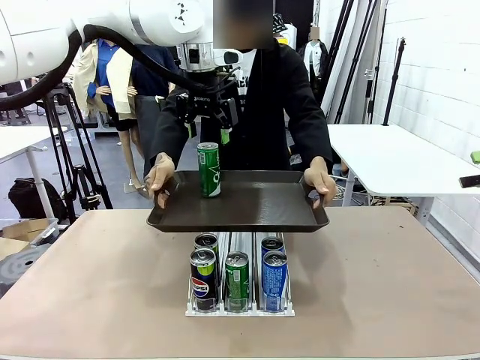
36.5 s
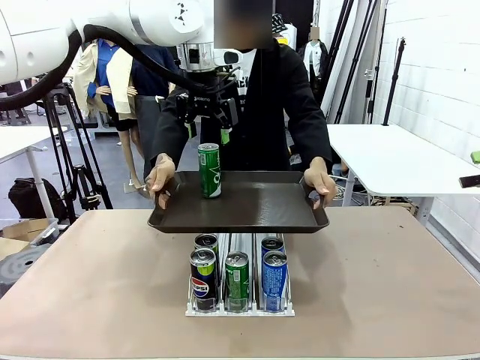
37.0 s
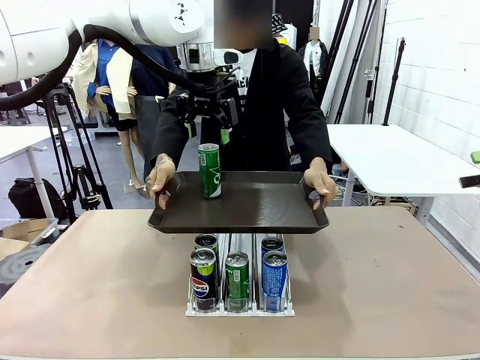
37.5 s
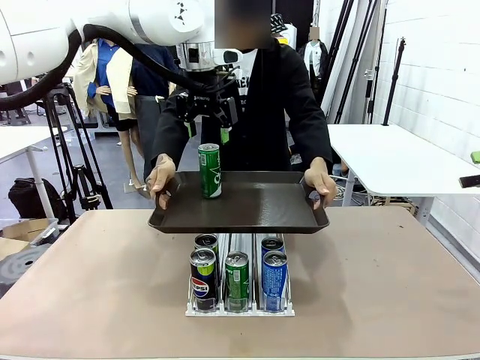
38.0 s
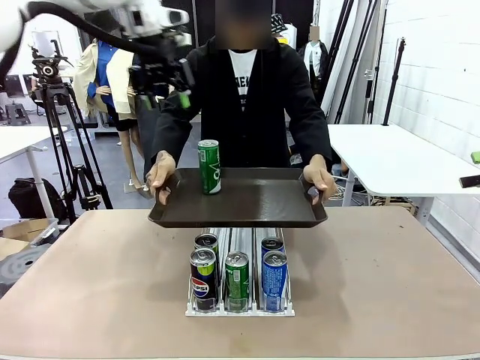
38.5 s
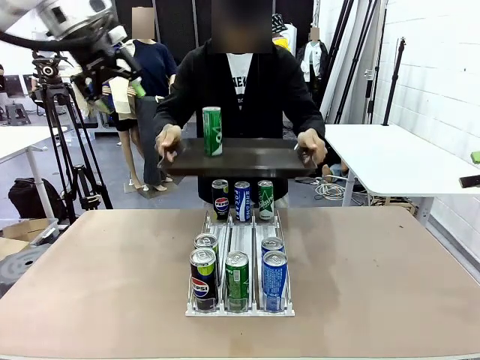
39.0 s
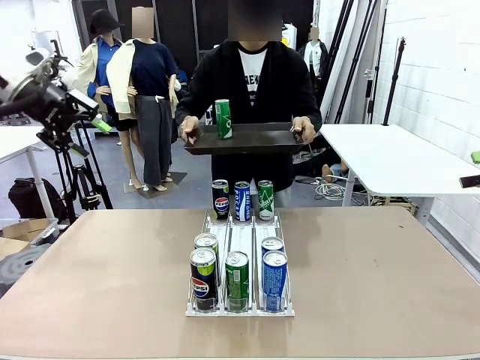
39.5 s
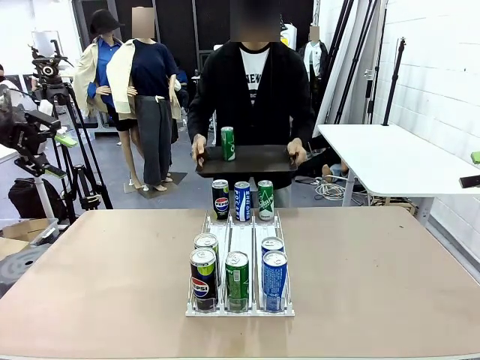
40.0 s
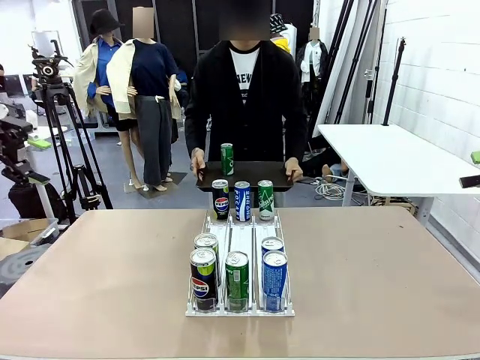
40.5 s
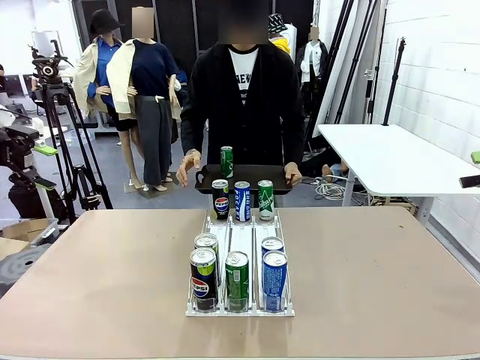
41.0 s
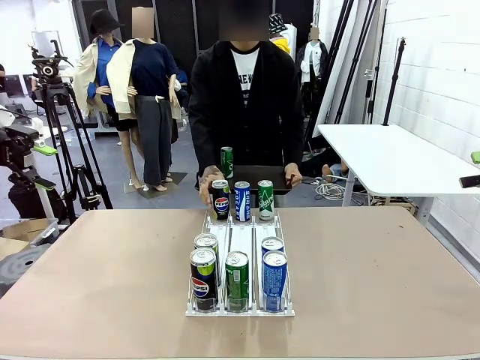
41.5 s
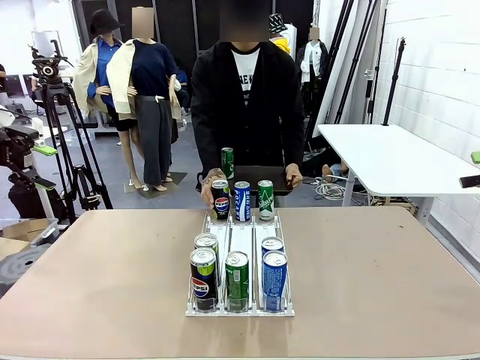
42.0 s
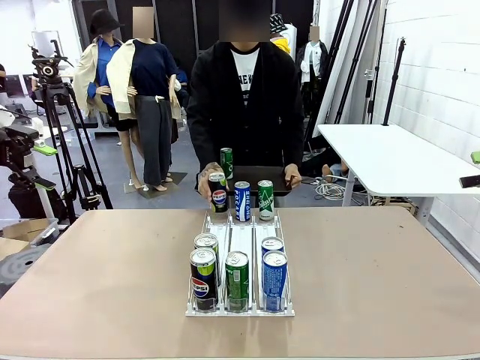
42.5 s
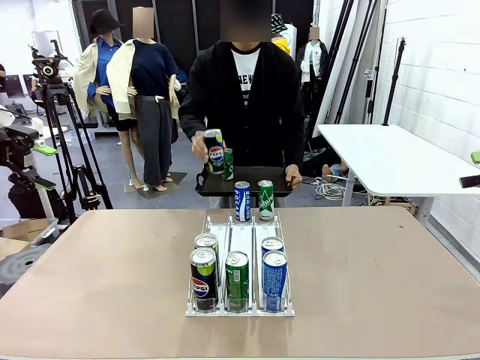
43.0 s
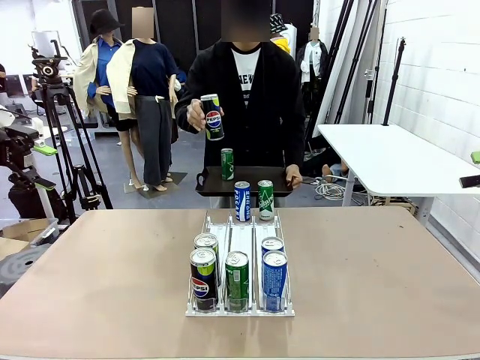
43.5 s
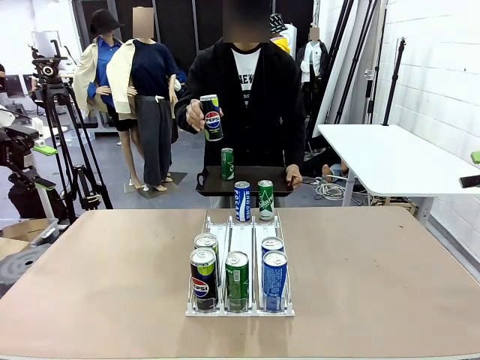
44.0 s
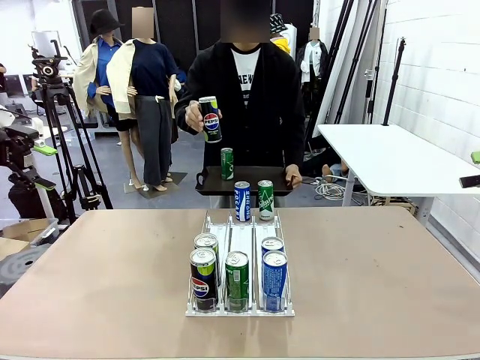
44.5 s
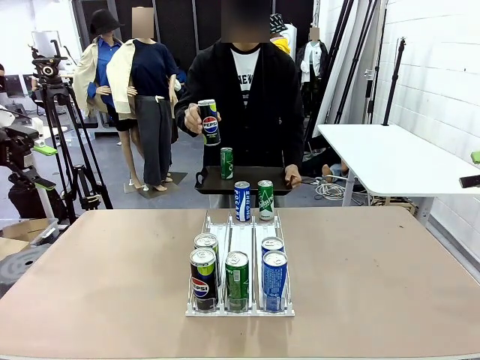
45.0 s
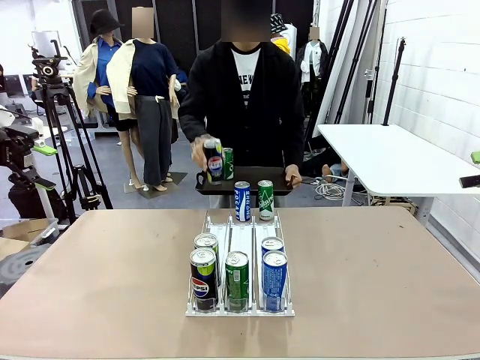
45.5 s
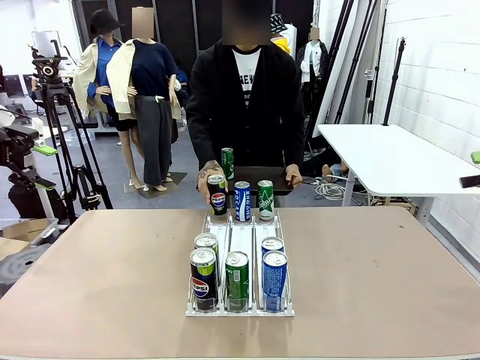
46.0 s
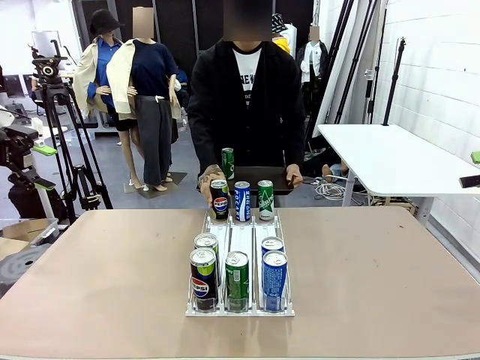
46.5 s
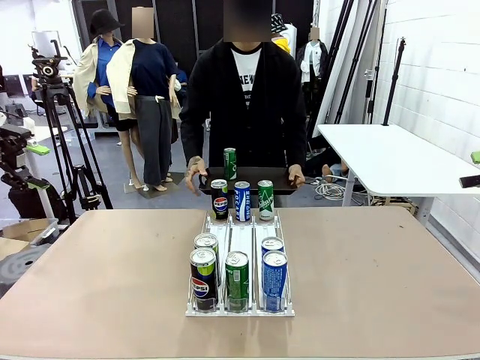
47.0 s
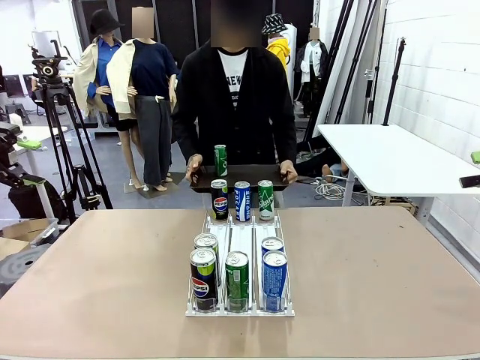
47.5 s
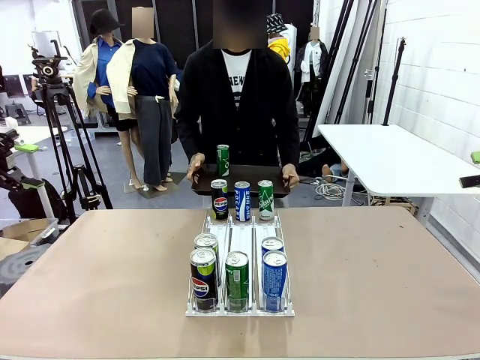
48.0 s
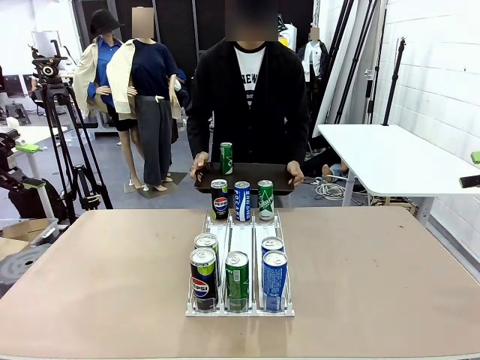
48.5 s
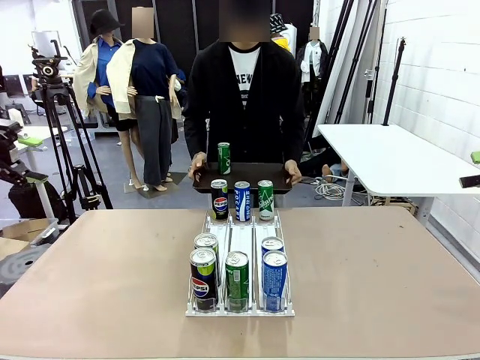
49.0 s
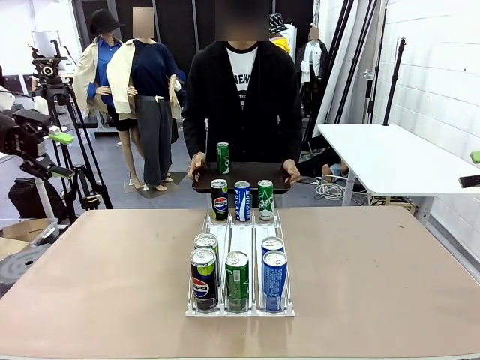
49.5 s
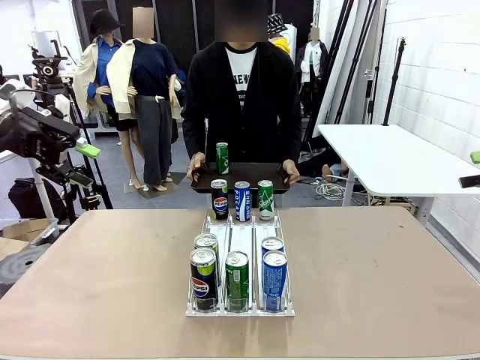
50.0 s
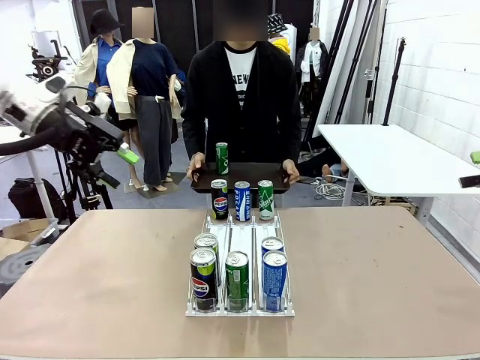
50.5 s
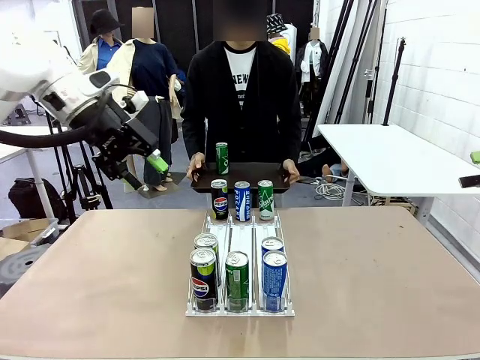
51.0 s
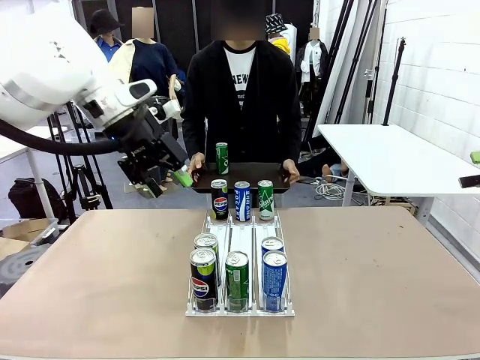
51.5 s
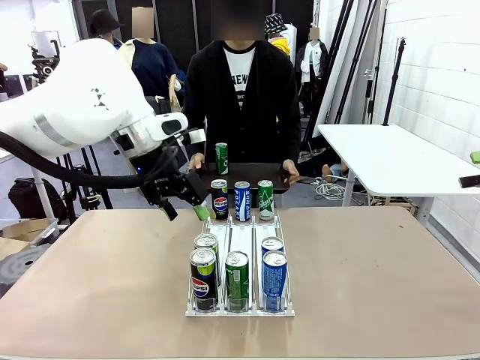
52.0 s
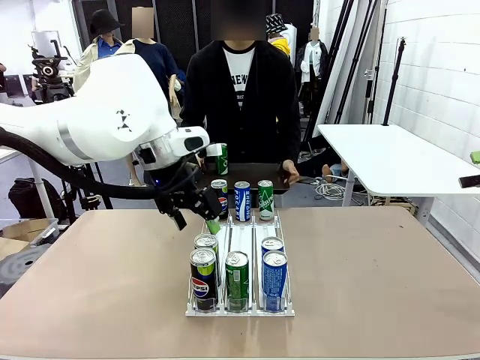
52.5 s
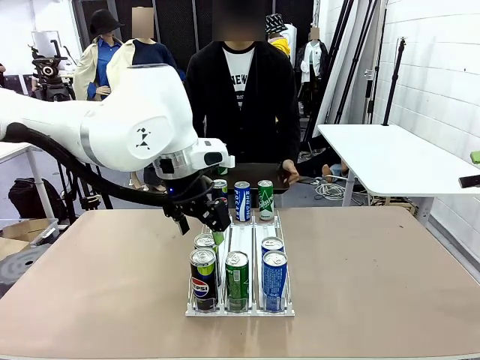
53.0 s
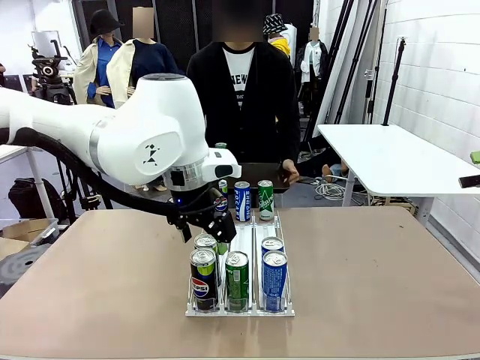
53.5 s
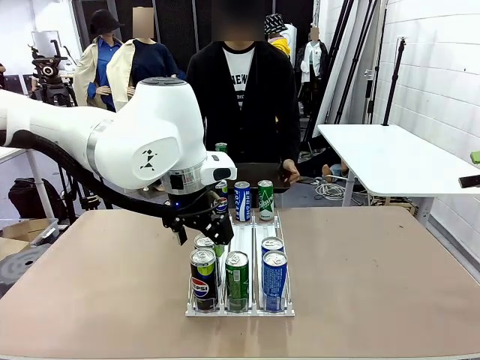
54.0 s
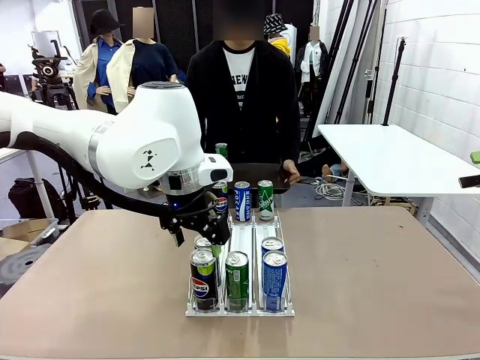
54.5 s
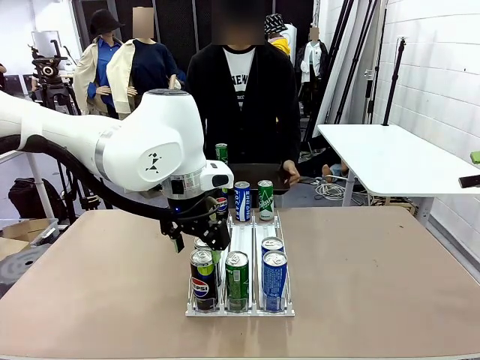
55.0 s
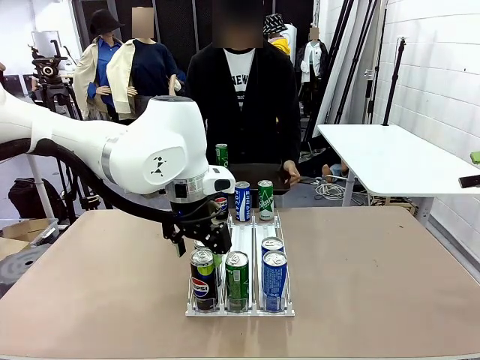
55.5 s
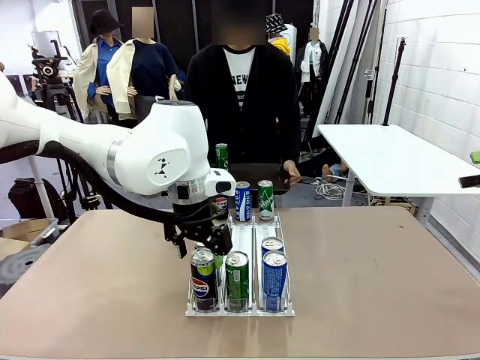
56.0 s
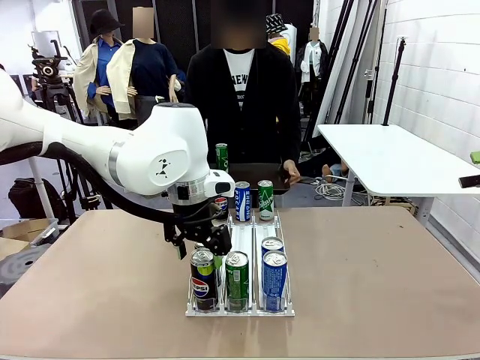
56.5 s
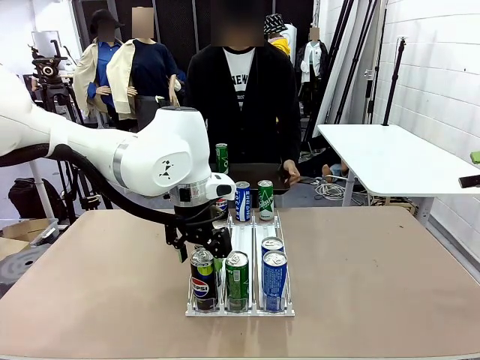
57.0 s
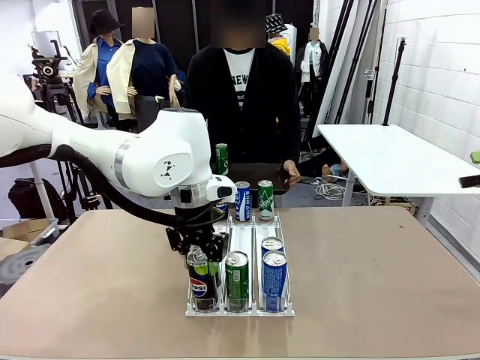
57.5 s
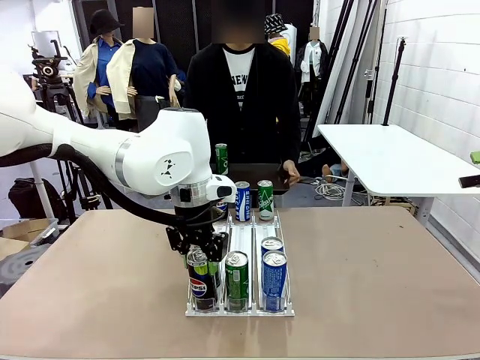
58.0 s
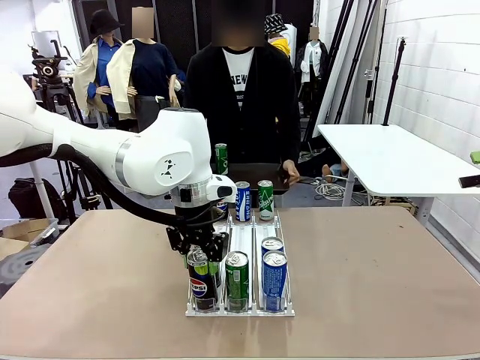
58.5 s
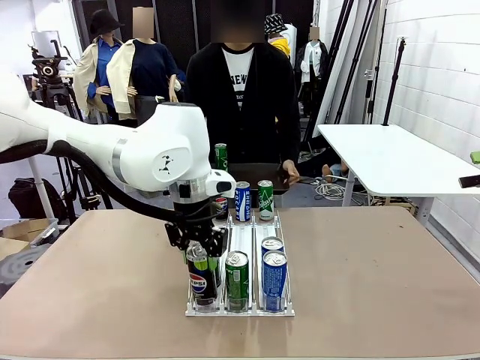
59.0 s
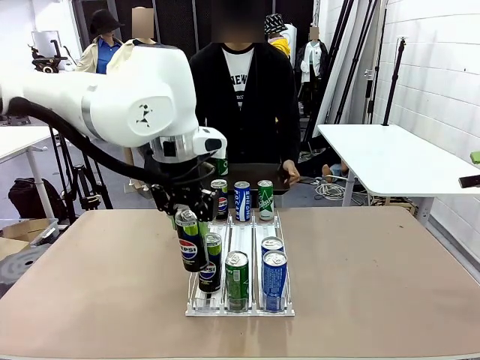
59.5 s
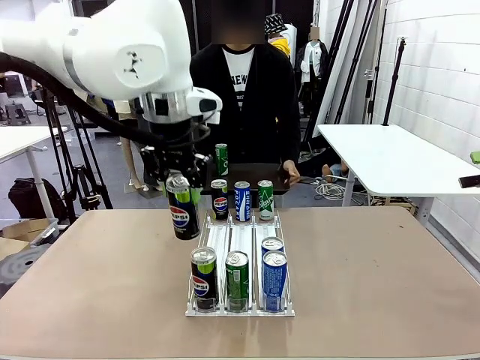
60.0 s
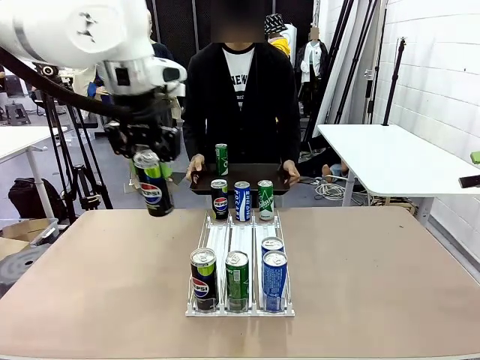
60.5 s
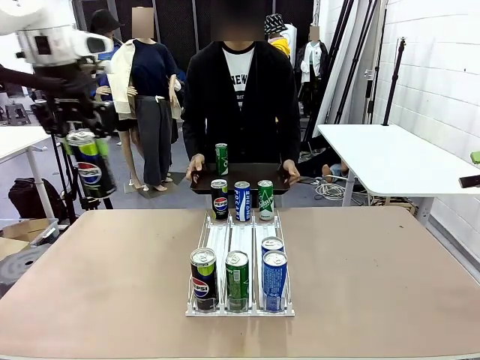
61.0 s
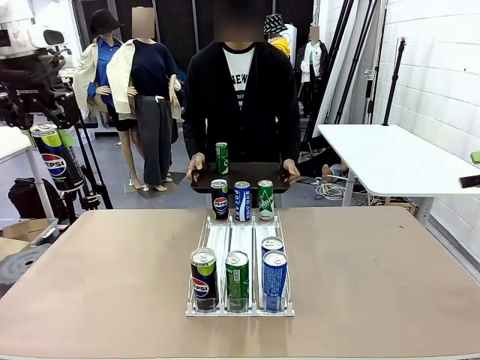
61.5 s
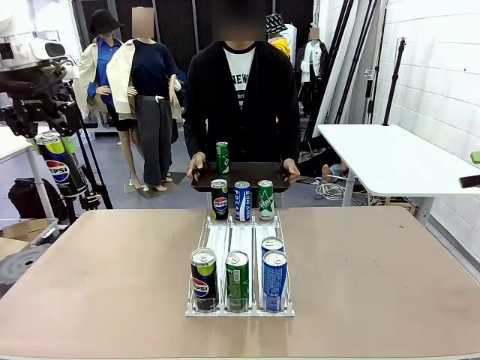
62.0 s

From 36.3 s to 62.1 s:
Task: Retrieve and hand over the desired beverage to the person.
Robot: Pick up another can of the same type that the person held from the Automatic Can Dispenser.
Person: Pull the tray back, then pick up another can from the bottom area of the table and puts it back in its original place. Push the tray toward the robot again.
